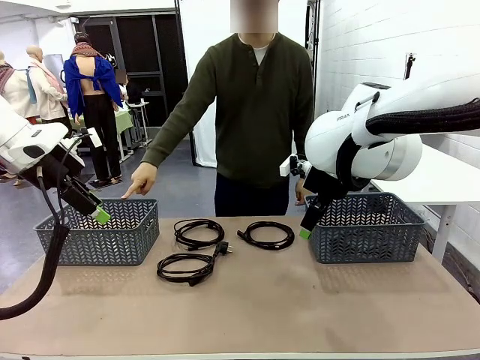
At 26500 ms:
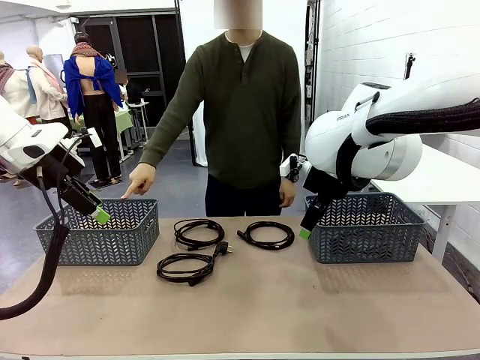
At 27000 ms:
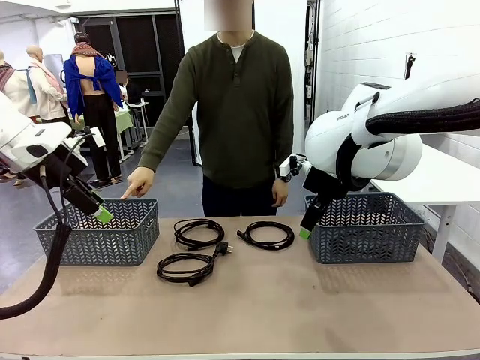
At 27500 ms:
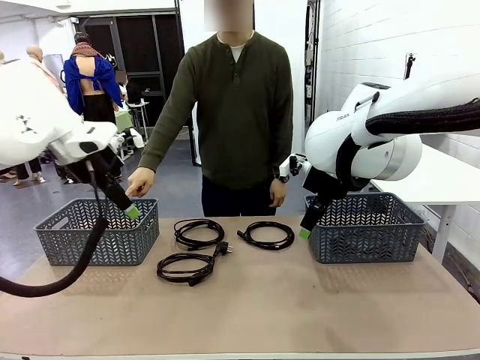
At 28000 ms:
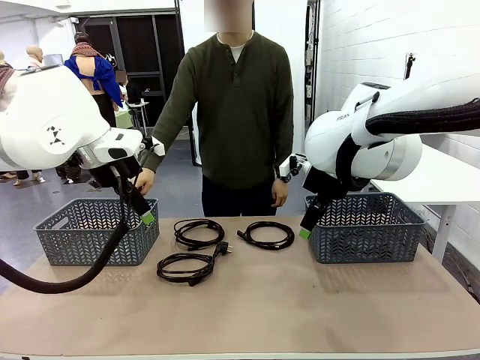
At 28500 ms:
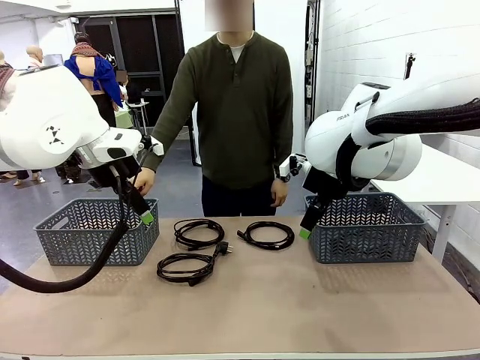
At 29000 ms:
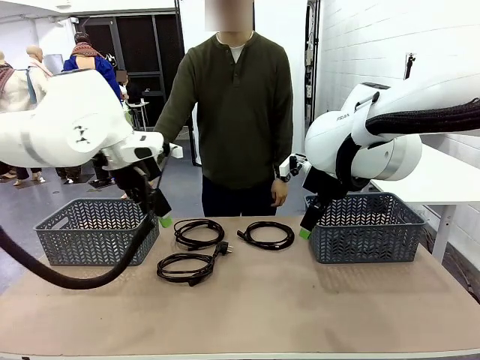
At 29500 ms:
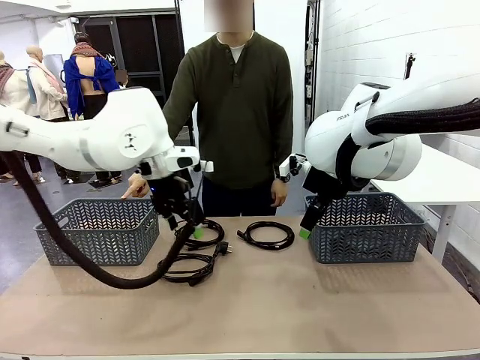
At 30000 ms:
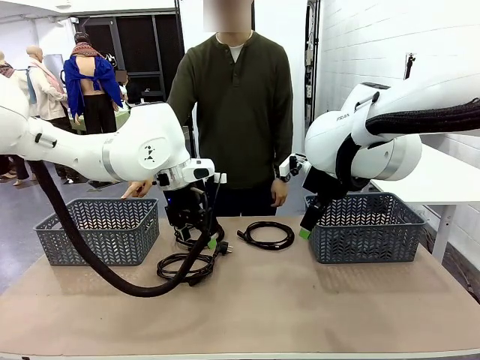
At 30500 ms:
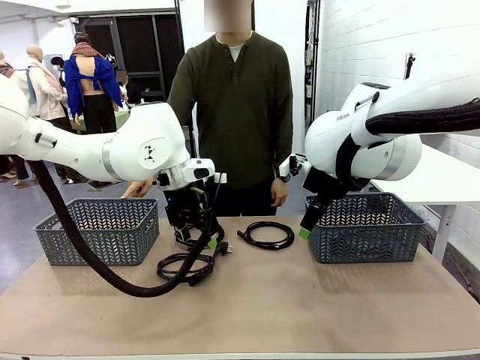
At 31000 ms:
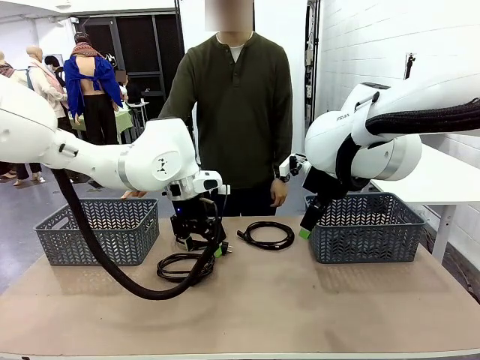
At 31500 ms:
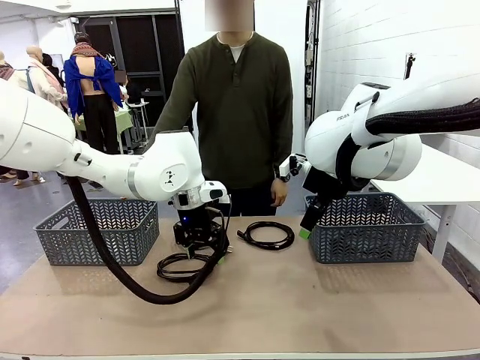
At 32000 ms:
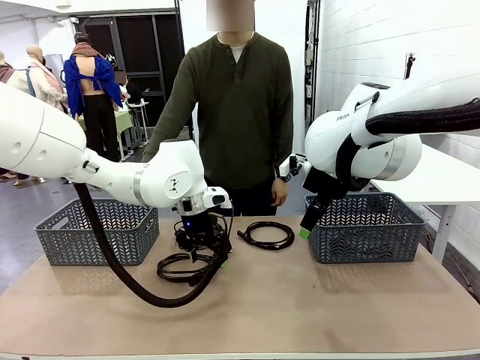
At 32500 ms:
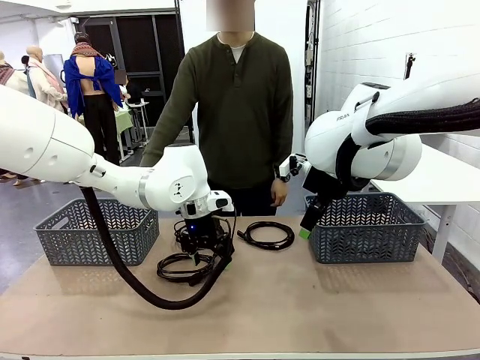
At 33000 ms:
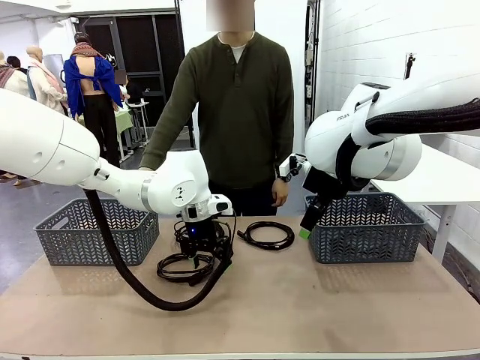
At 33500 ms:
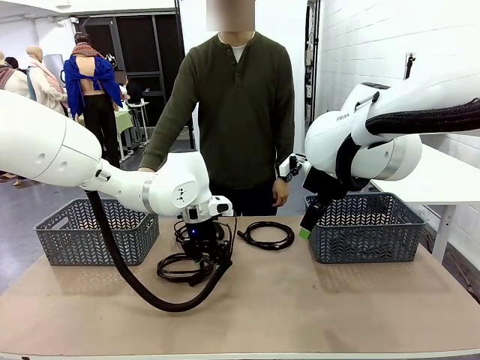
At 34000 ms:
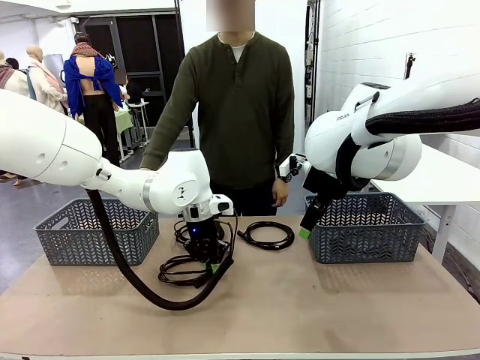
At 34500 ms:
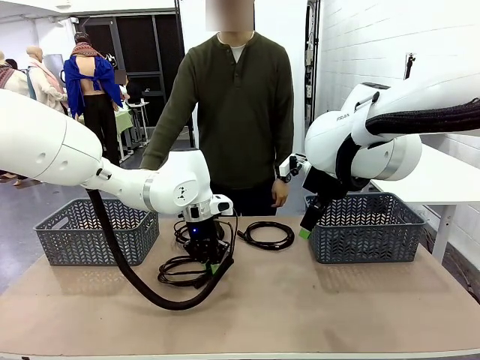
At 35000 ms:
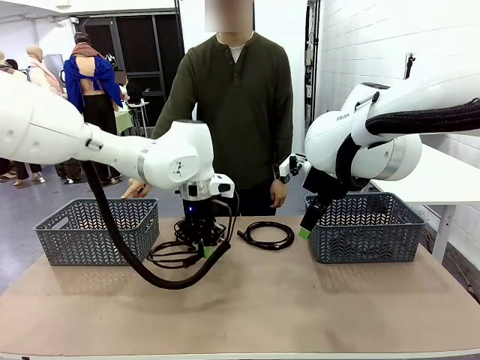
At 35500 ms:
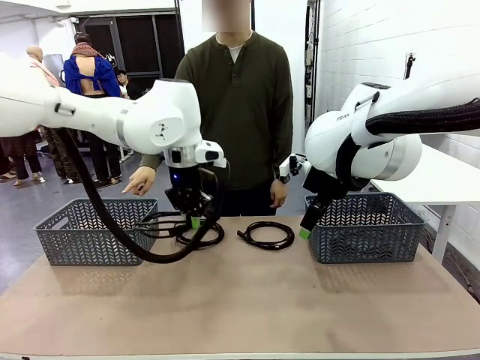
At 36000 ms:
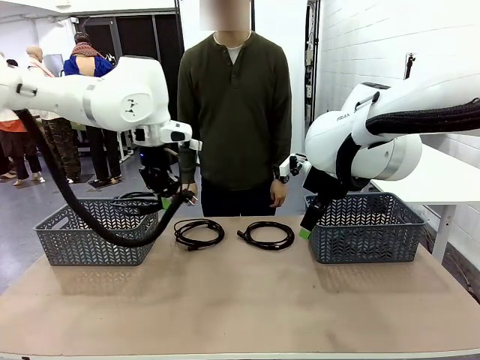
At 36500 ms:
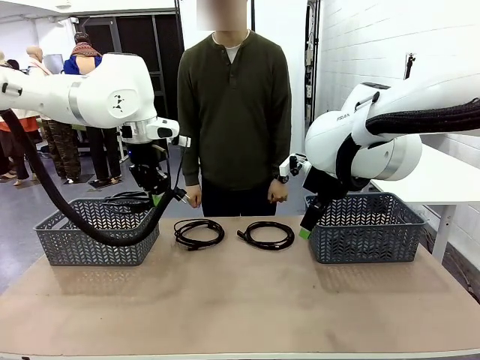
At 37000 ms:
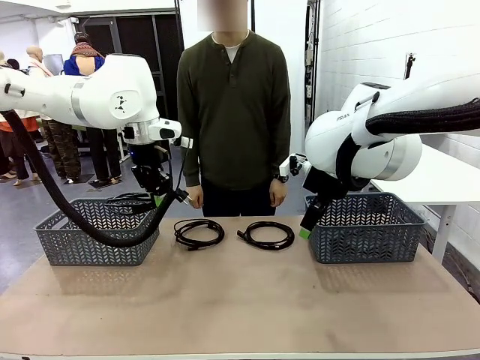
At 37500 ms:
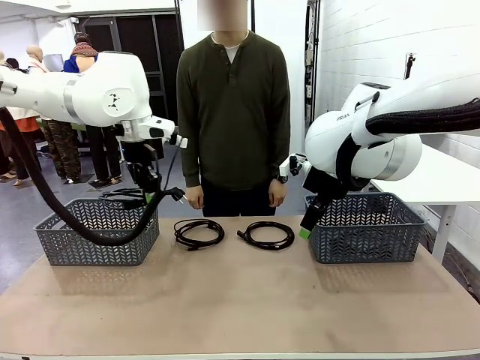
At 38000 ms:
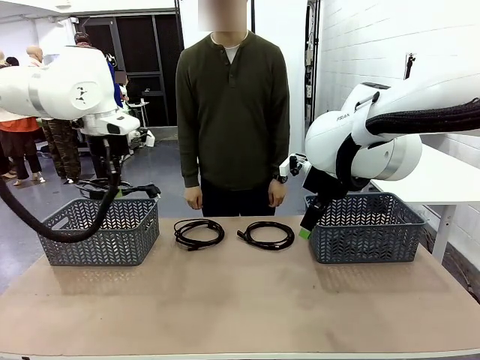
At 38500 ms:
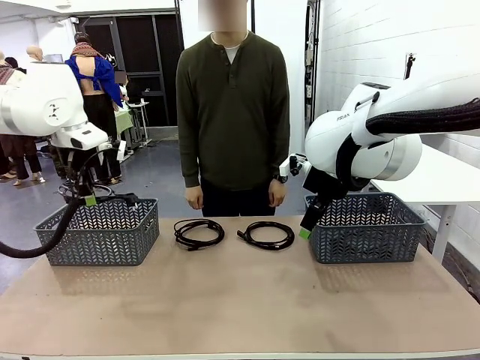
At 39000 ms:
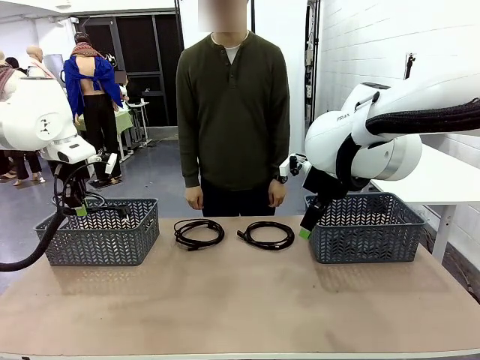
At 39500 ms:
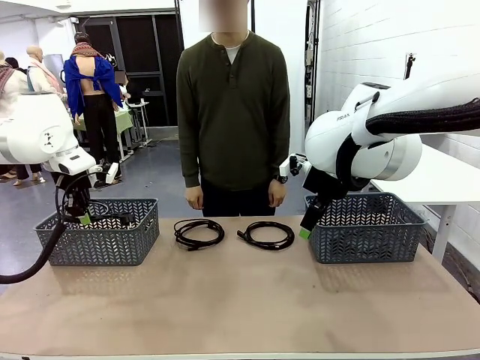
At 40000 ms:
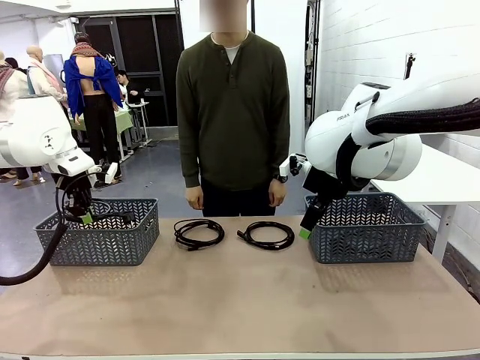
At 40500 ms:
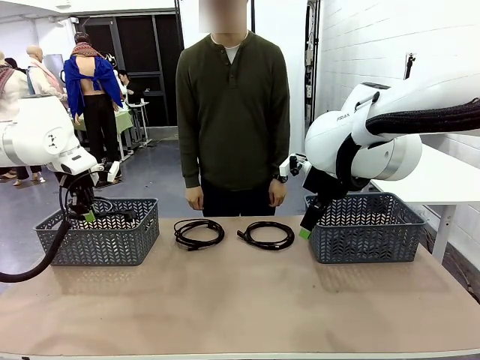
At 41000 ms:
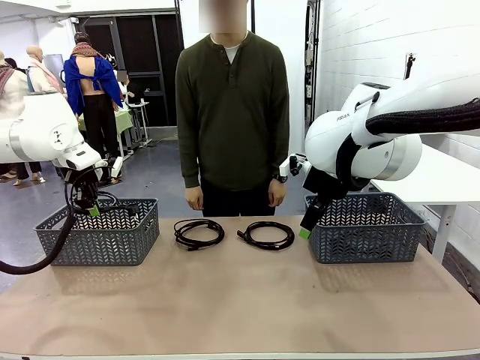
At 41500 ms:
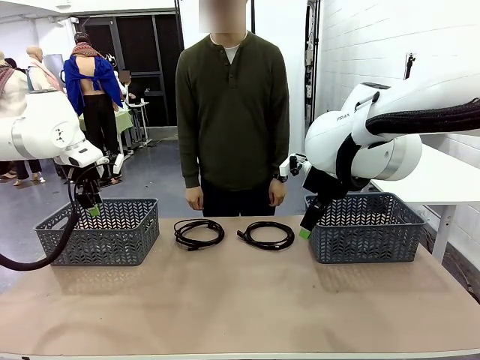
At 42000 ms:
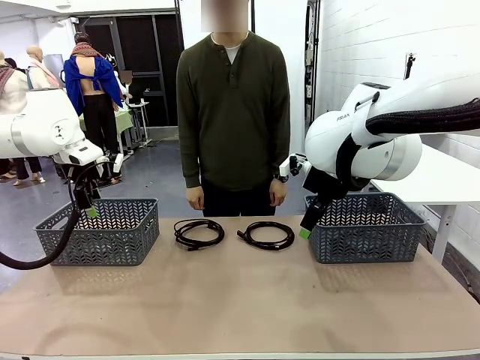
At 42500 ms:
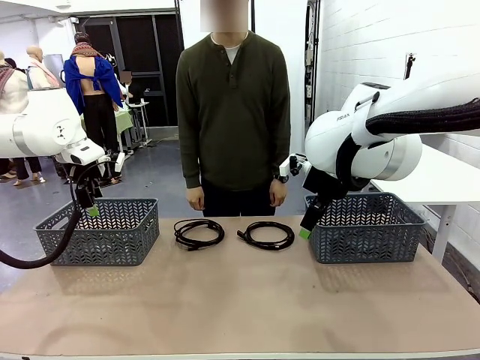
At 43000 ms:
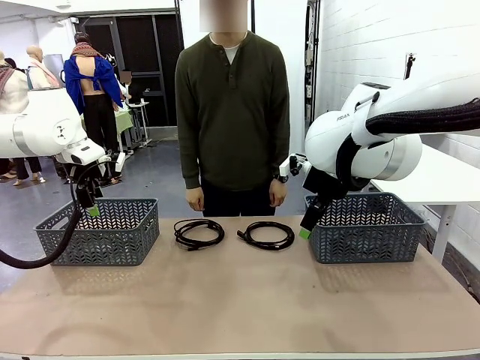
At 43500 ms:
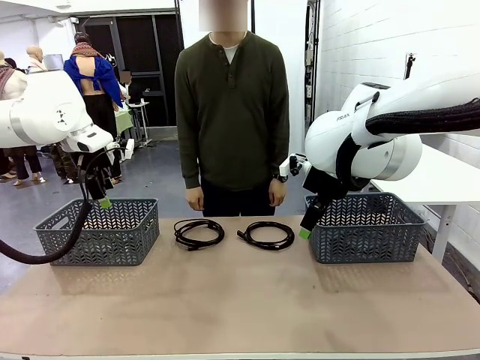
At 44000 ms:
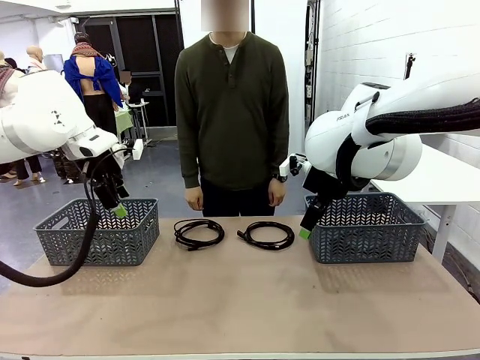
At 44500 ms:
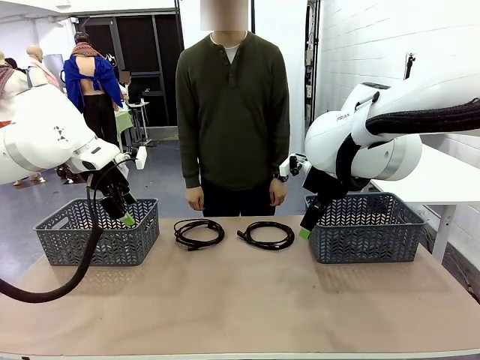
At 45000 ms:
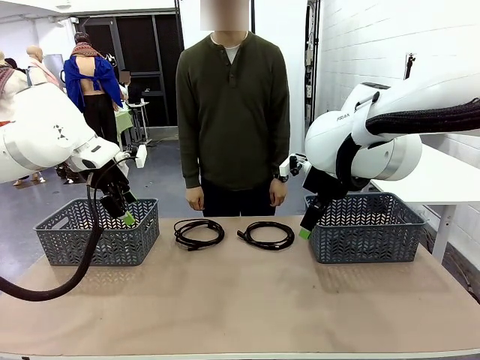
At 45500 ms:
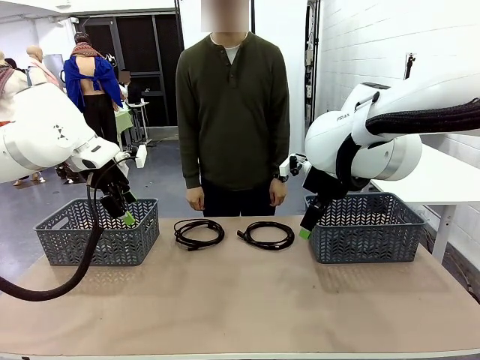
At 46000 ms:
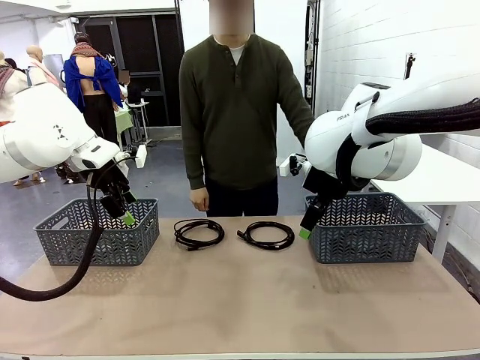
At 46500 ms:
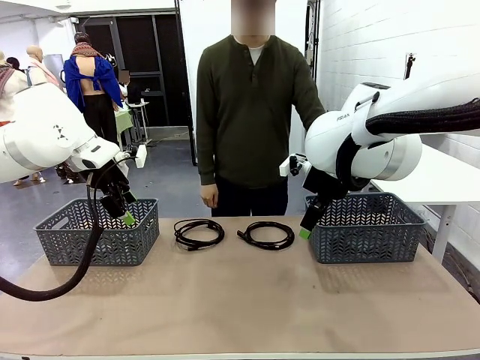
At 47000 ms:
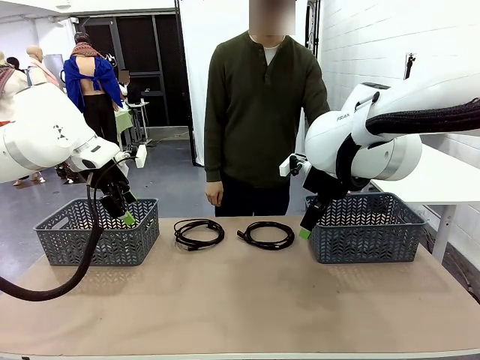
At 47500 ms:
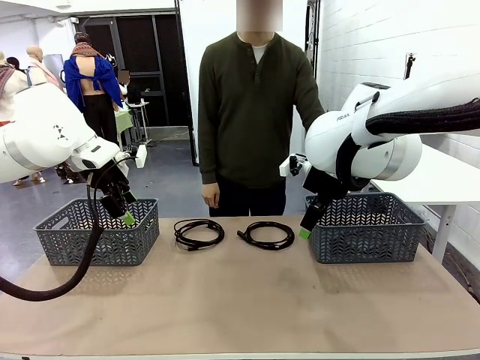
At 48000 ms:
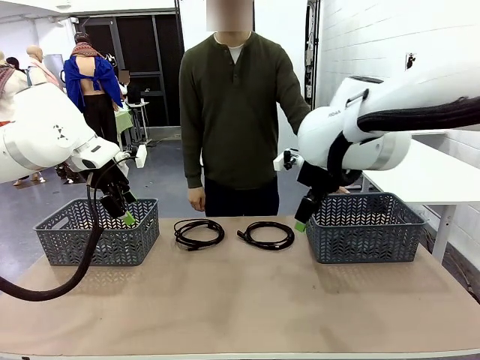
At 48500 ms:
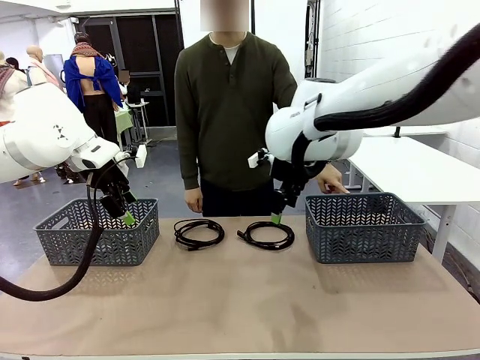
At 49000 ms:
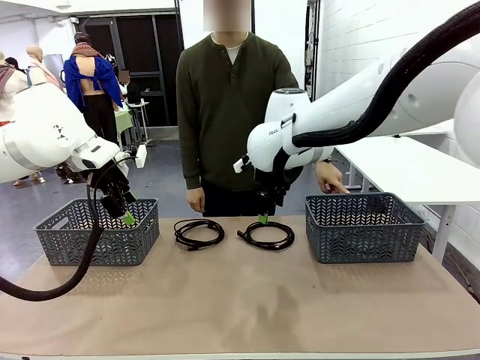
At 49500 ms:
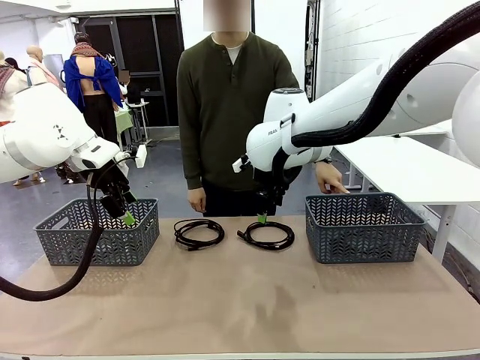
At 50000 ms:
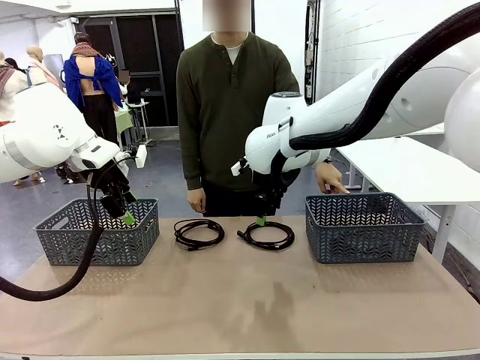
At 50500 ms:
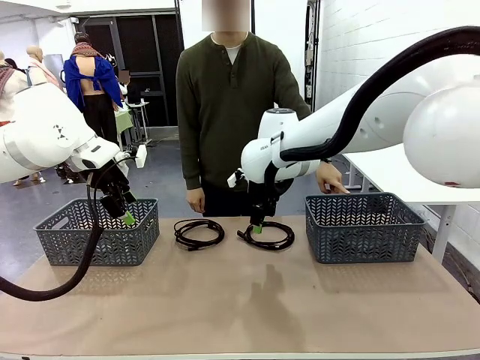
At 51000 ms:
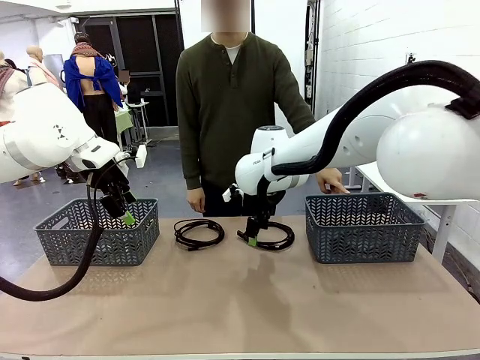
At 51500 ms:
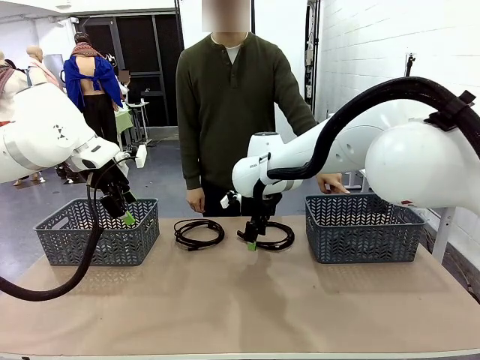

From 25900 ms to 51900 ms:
Task: Organize the cables according to human instructions.
Robot: Pick up a bundle of cables and place it in the basket indicated by the human.
